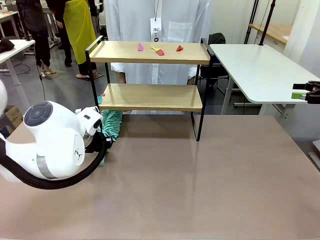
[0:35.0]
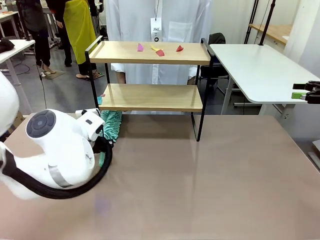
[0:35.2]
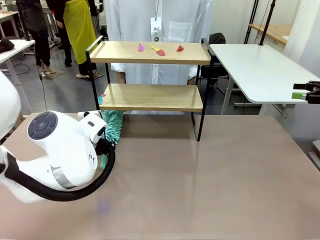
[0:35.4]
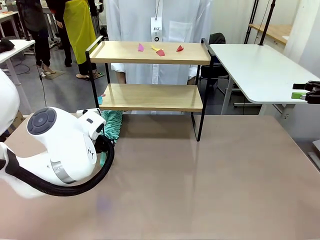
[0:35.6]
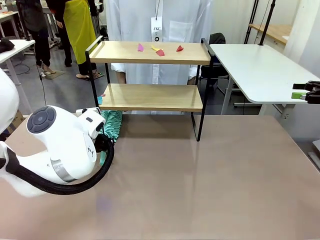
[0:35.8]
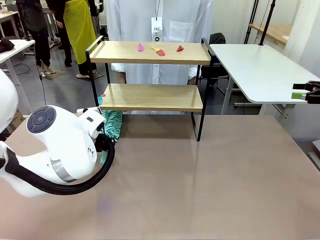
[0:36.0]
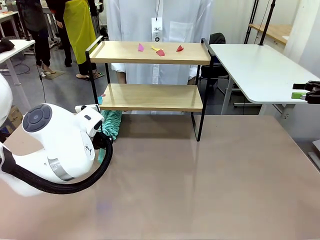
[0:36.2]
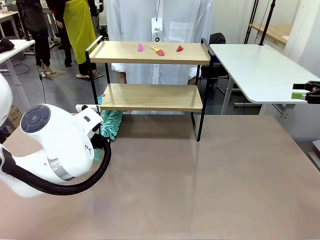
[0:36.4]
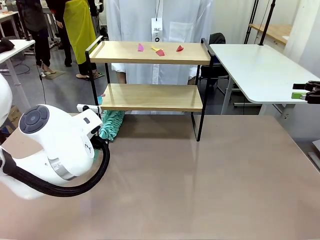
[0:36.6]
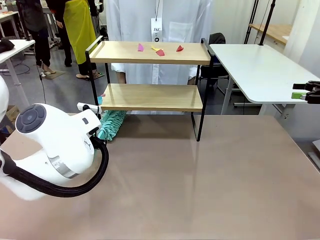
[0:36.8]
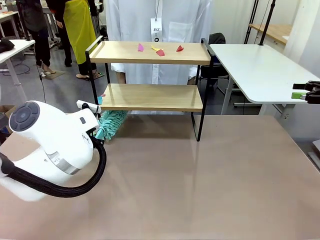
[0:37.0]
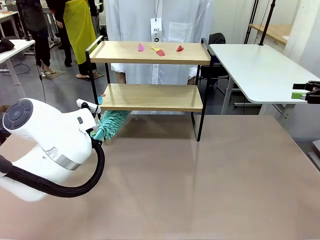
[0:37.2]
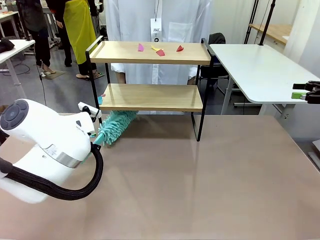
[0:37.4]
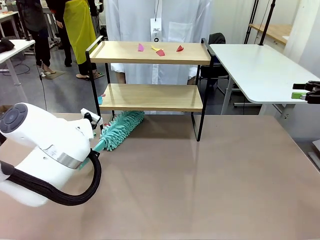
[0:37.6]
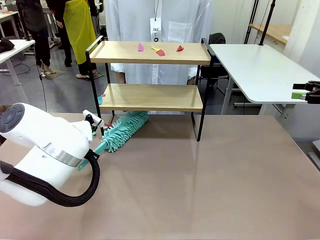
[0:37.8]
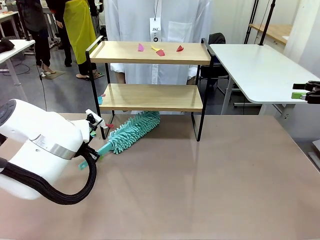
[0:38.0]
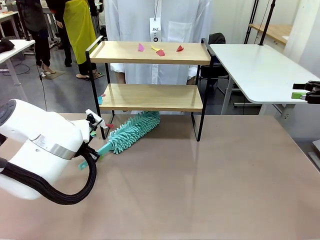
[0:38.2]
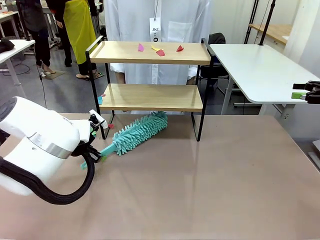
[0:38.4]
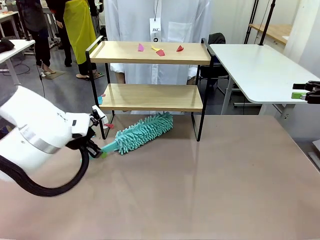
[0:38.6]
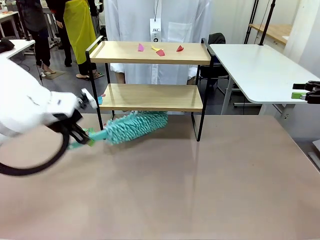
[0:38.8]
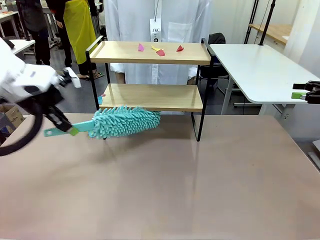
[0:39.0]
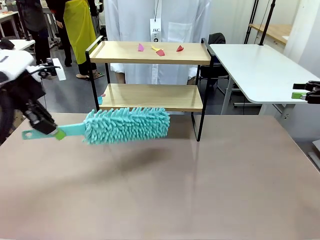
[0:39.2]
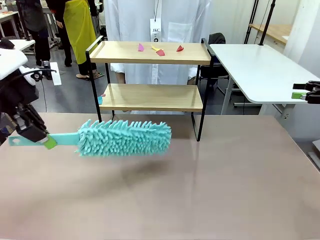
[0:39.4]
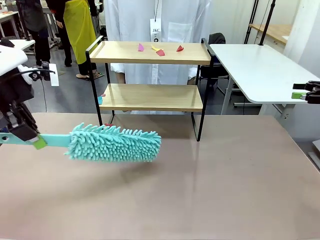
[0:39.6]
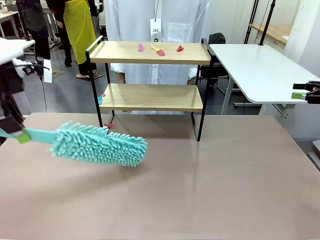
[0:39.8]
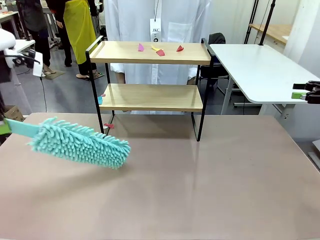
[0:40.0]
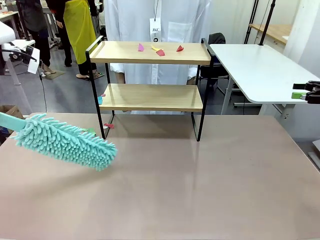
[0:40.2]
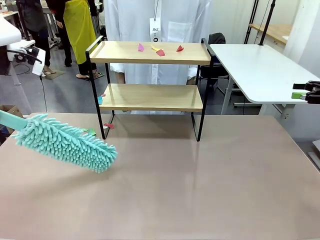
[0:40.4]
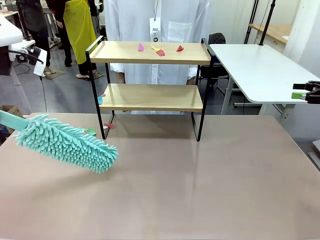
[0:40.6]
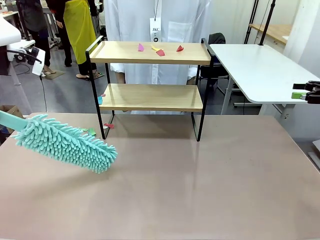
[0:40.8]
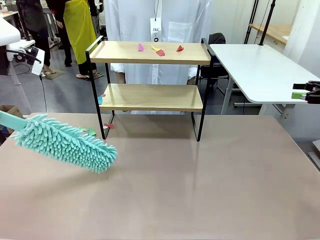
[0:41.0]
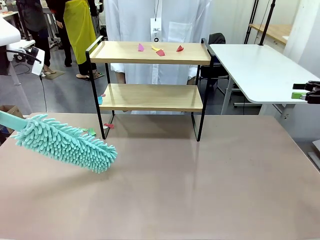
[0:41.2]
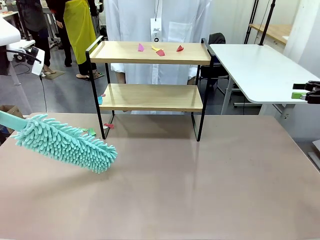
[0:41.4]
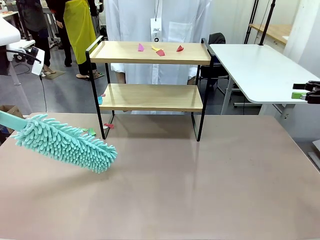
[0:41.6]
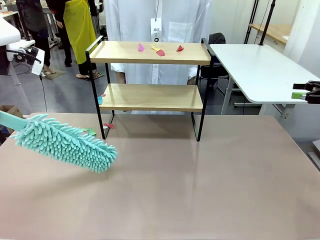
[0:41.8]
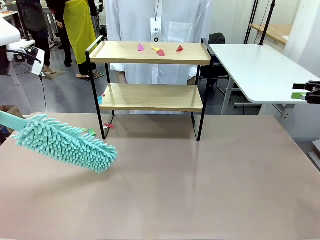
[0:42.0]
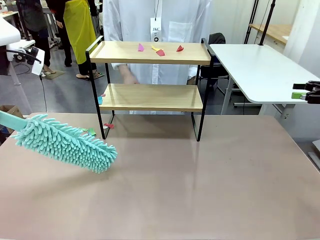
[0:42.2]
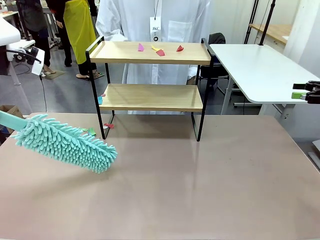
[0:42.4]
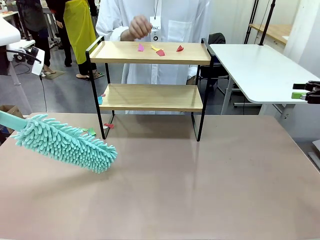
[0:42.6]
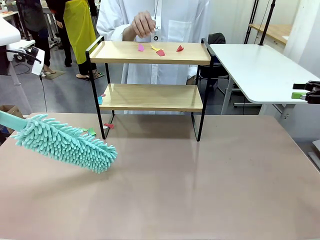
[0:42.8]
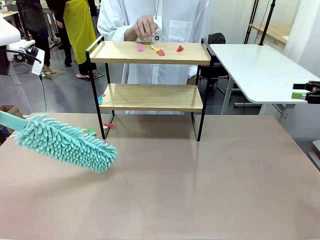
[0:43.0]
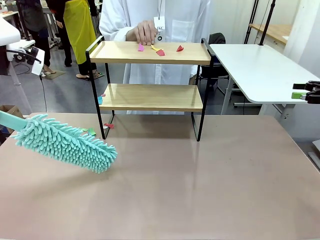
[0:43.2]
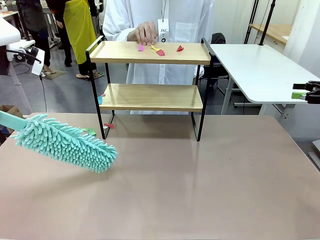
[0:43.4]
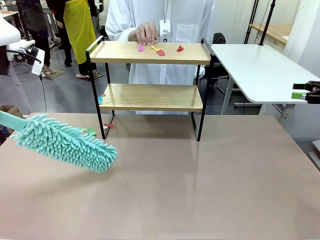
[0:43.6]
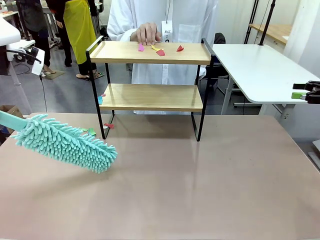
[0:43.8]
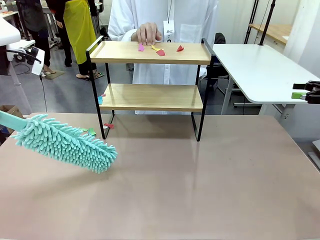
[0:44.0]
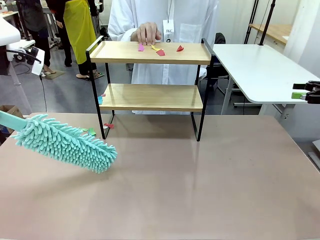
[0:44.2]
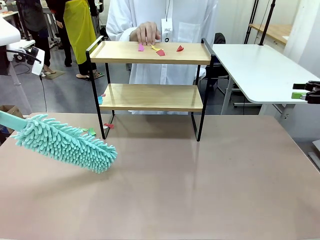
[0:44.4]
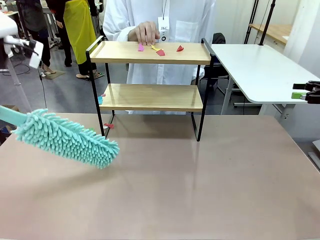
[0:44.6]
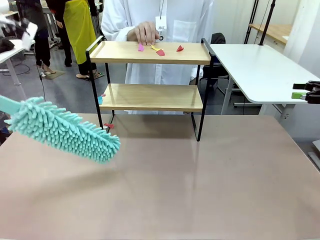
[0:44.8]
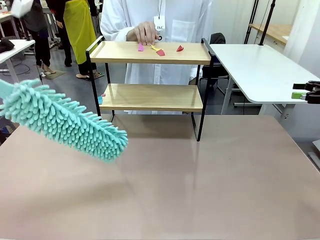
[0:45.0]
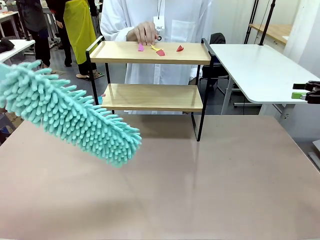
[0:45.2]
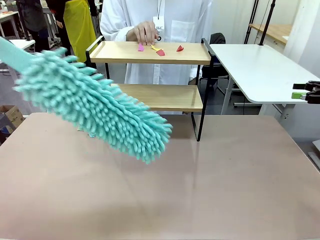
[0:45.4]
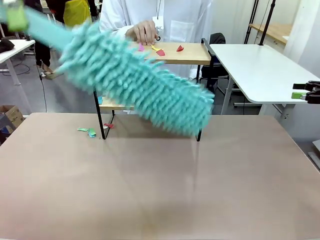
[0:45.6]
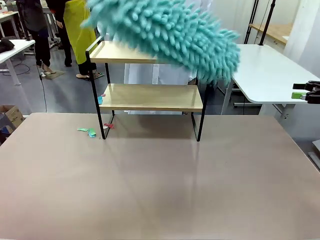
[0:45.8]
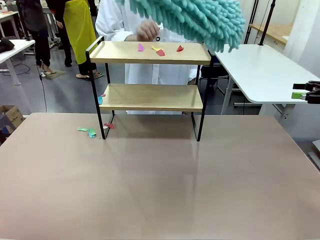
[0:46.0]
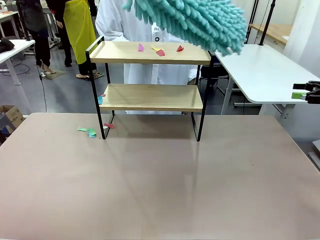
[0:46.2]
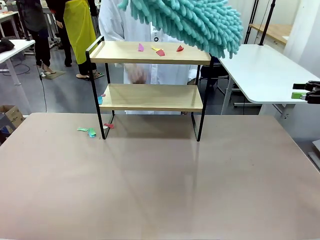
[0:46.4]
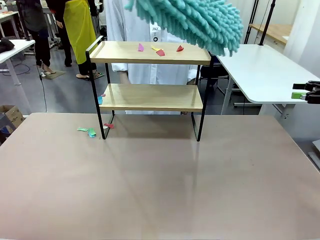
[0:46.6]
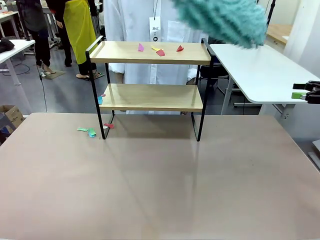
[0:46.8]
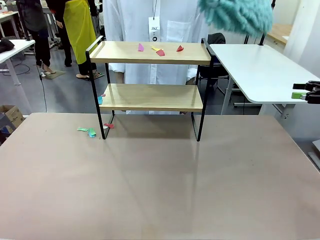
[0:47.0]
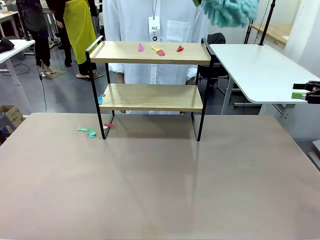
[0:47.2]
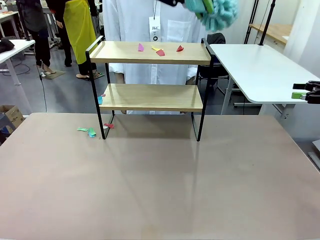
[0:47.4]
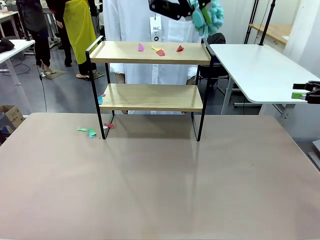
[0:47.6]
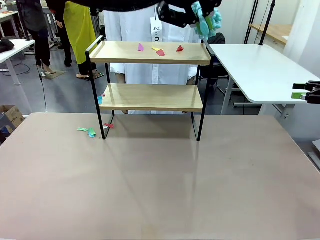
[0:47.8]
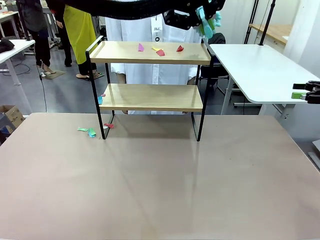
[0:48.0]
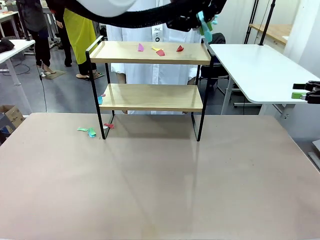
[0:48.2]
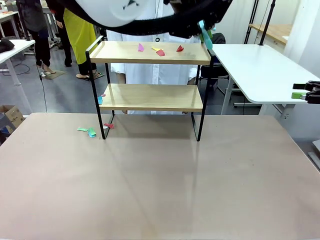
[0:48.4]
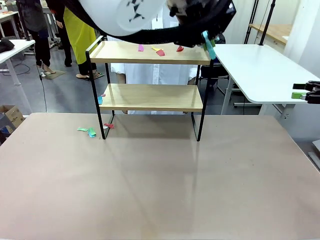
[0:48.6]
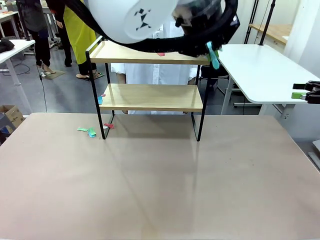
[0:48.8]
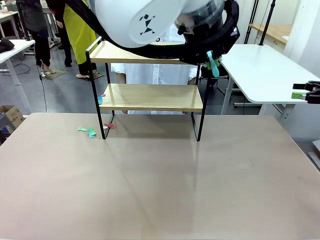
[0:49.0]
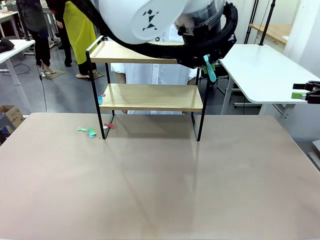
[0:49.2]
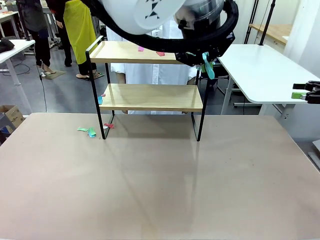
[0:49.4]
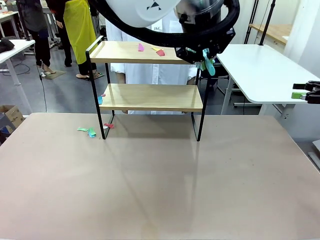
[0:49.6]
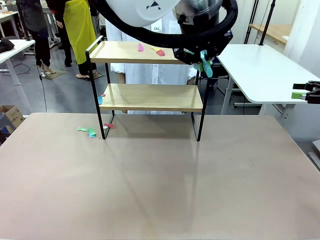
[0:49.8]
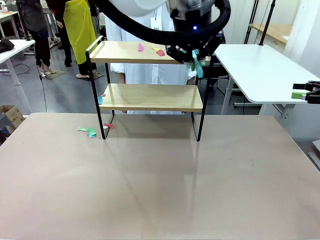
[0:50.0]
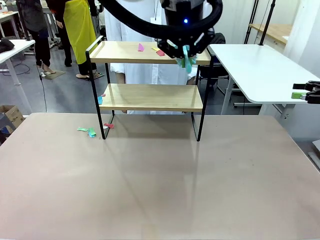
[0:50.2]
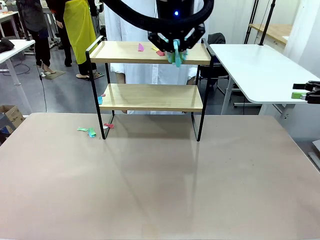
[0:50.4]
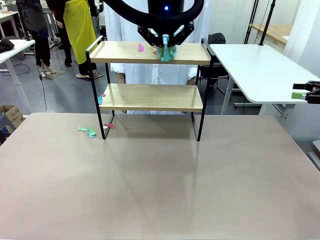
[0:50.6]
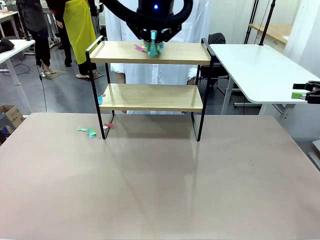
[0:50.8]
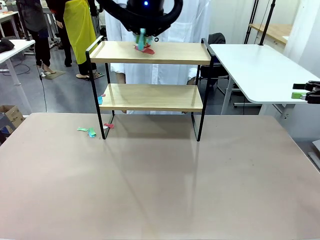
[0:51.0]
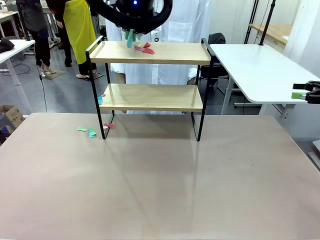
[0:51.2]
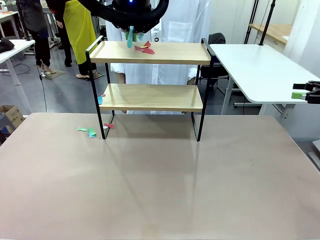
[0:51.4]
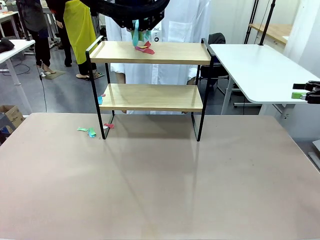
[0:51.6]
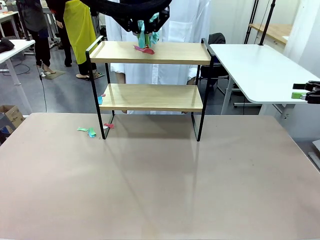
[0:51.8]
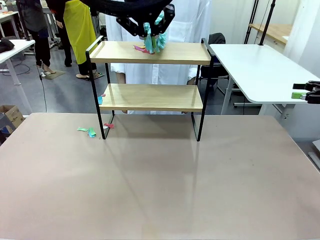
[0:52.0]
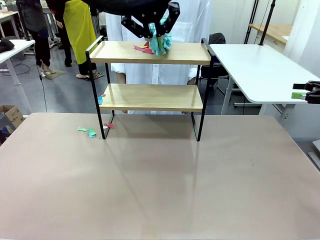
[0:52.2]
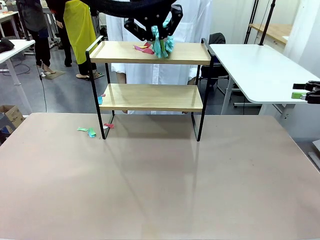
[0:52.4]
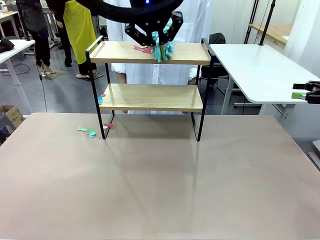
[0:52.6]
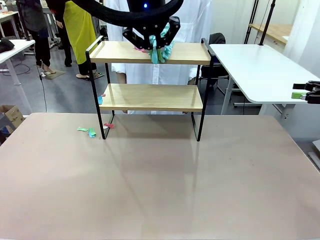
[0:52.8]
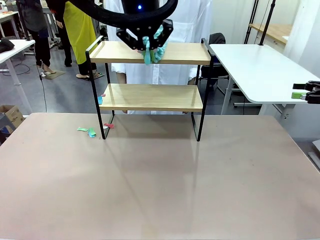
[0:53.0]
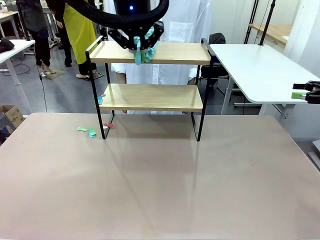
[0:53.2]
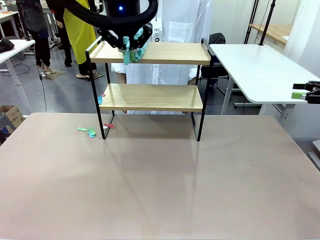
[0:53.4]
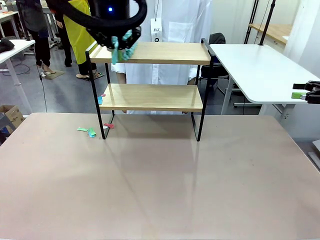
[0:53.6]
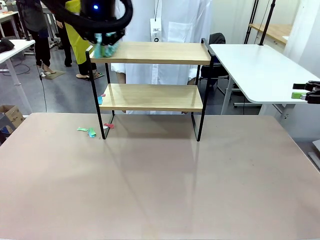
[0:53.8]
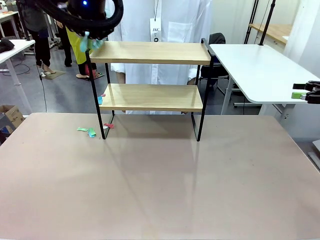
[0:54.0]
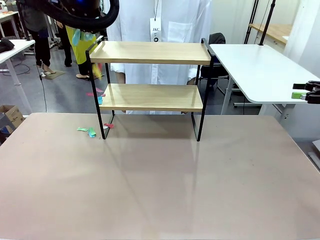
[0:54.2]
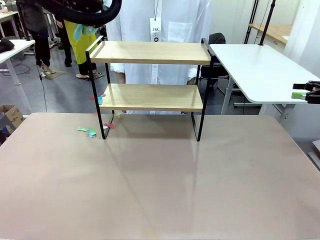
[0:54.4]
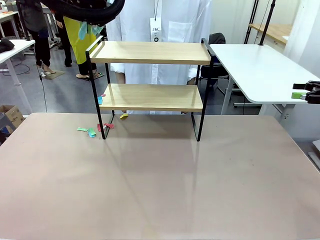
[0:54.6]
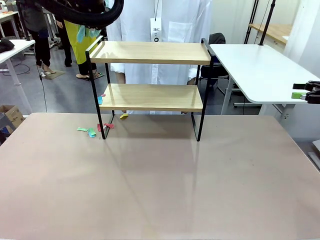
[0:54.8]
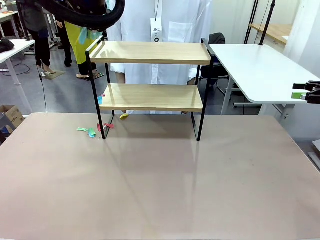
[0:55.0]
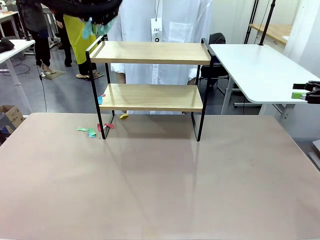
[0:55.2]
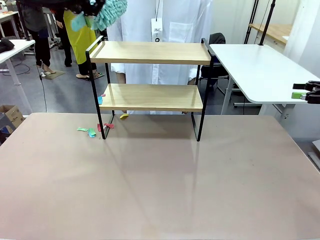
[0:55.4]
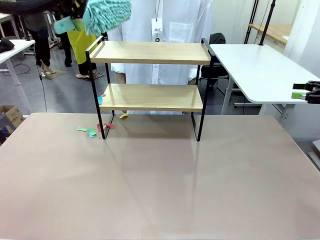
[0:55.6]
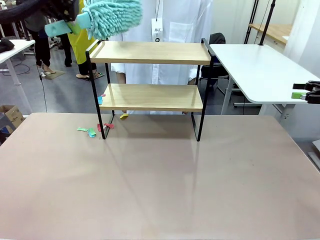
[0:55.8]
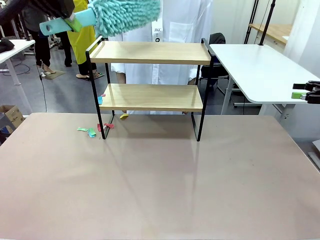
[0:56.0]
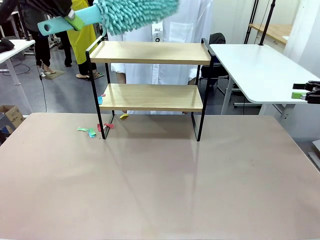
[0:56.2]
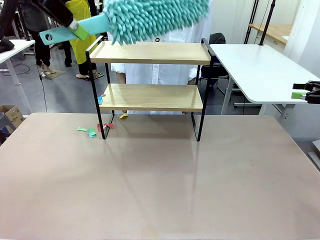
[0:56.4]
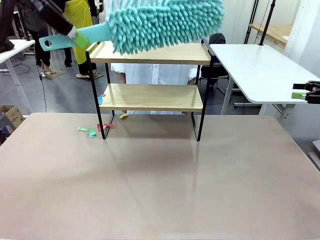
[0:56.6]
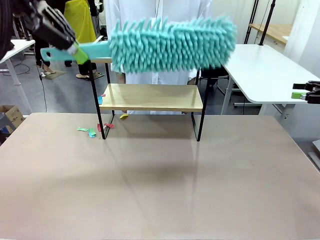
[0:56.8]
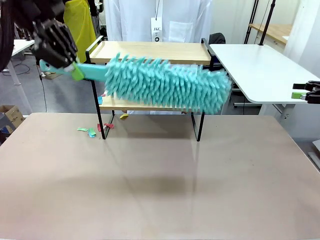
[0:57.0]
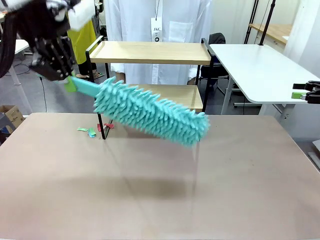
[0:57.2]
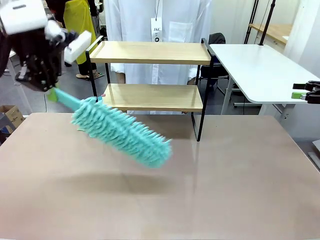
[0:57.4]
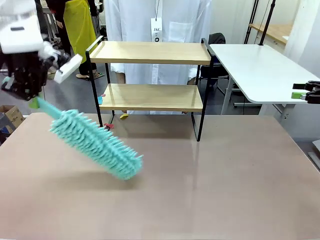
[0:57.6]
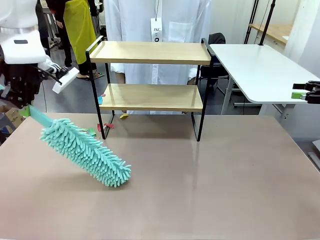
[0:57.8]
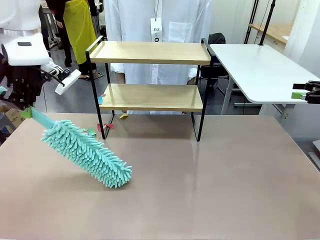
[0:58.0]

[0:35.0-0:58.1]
Task: Clean the shelf.
Robot: Clean the specific section of the Shelf indicated by the human with the Duster.
Person: Point a remaining section of the Shelf.
